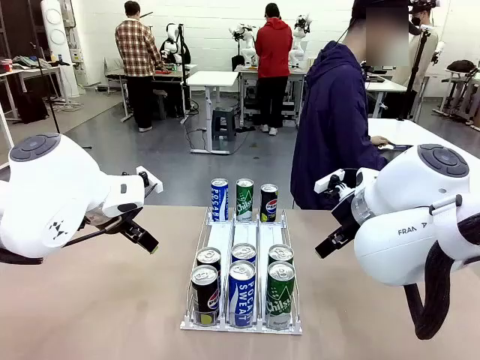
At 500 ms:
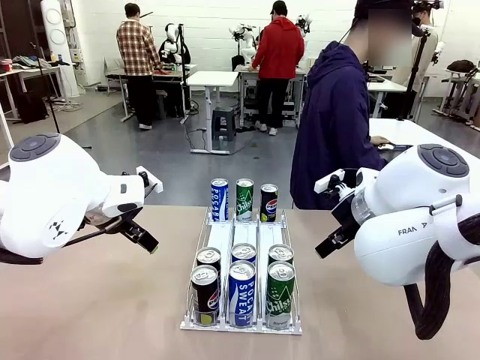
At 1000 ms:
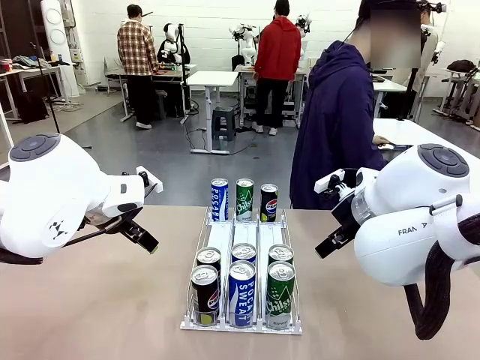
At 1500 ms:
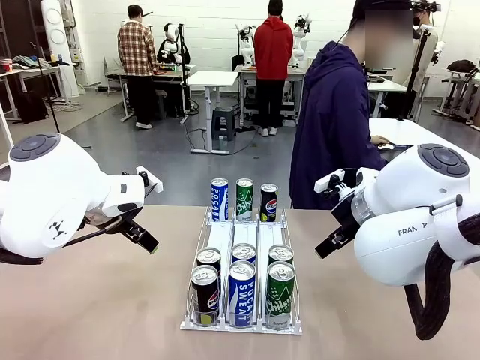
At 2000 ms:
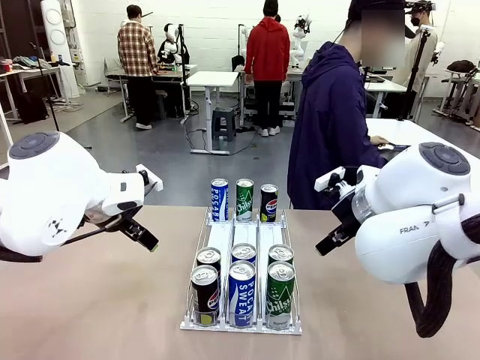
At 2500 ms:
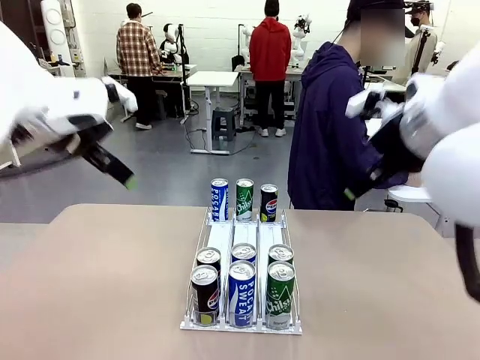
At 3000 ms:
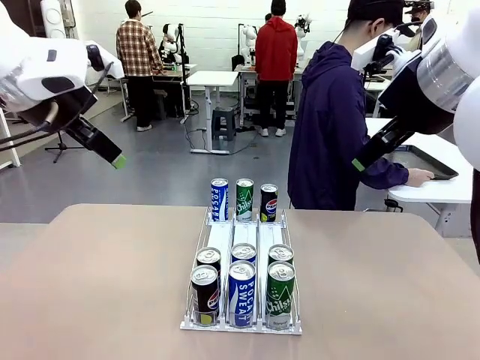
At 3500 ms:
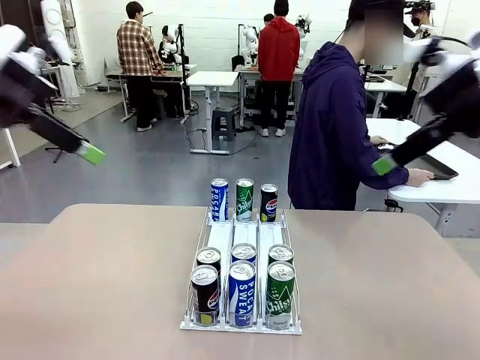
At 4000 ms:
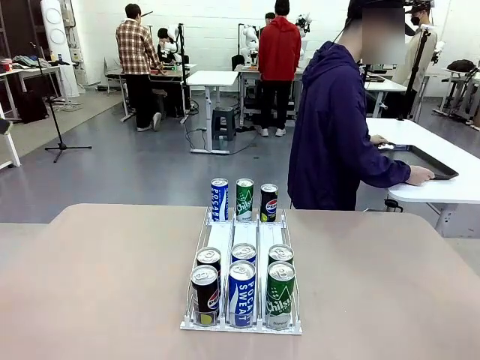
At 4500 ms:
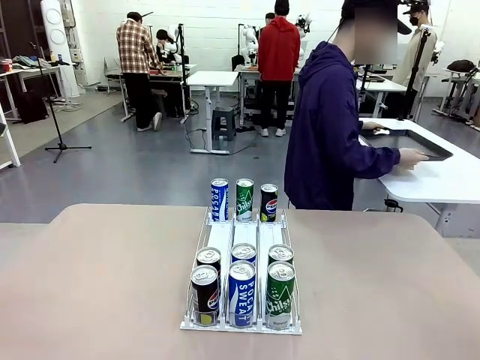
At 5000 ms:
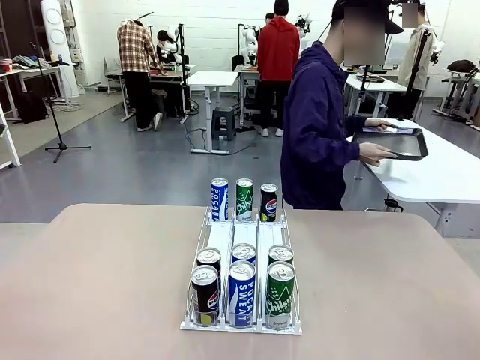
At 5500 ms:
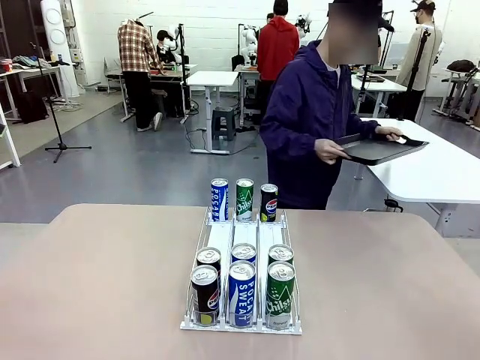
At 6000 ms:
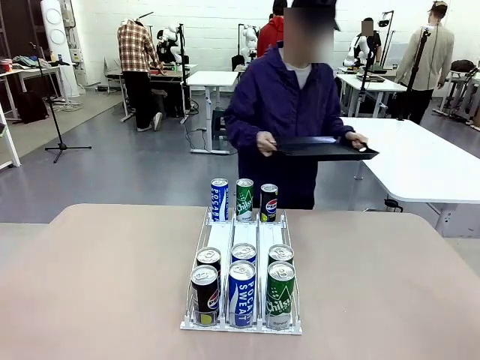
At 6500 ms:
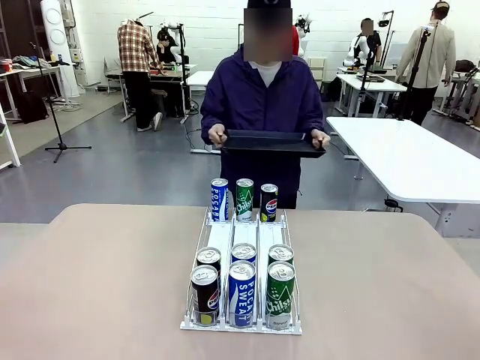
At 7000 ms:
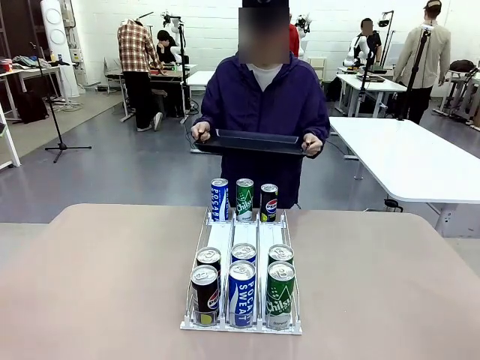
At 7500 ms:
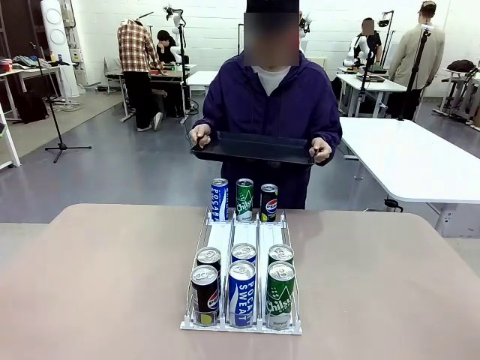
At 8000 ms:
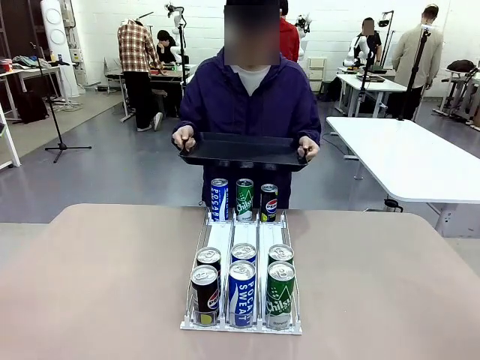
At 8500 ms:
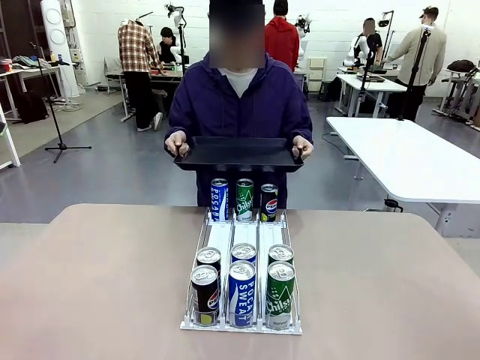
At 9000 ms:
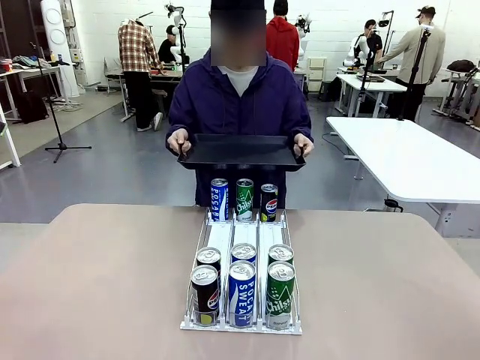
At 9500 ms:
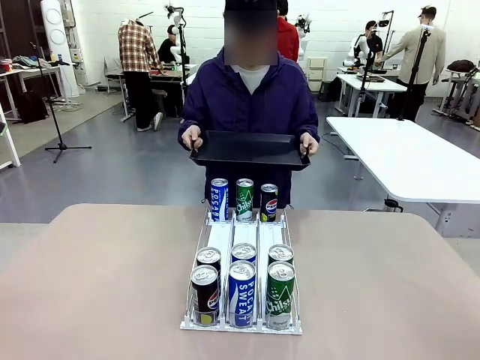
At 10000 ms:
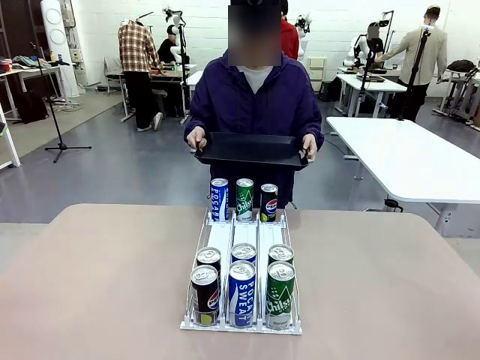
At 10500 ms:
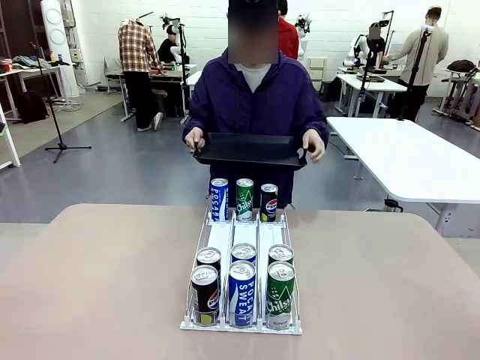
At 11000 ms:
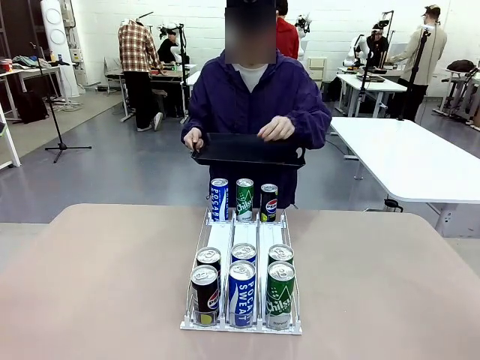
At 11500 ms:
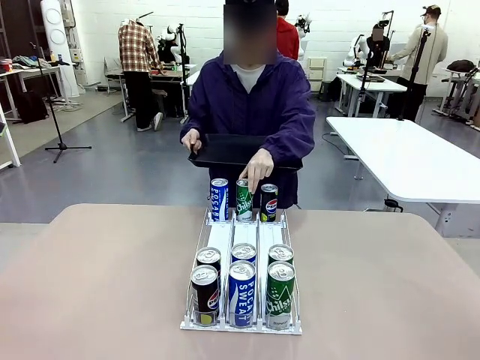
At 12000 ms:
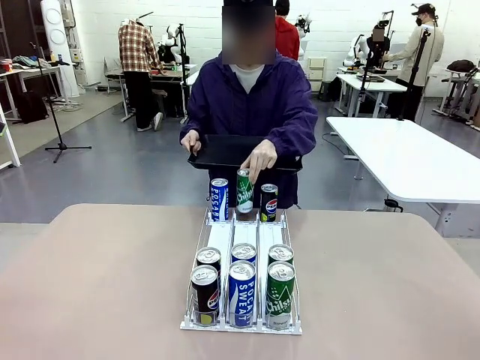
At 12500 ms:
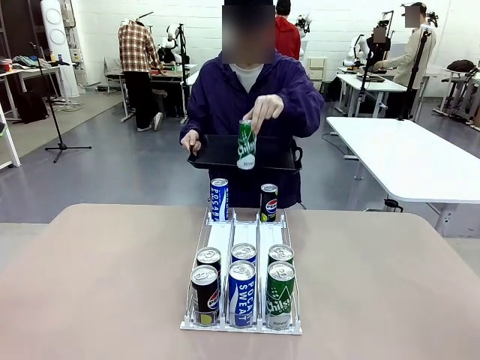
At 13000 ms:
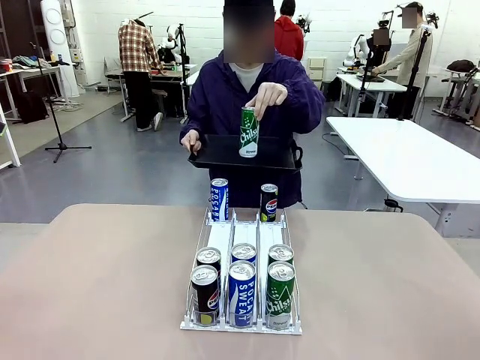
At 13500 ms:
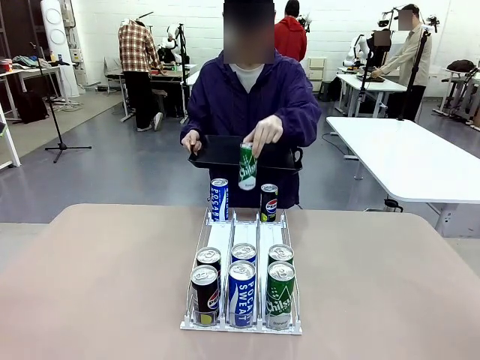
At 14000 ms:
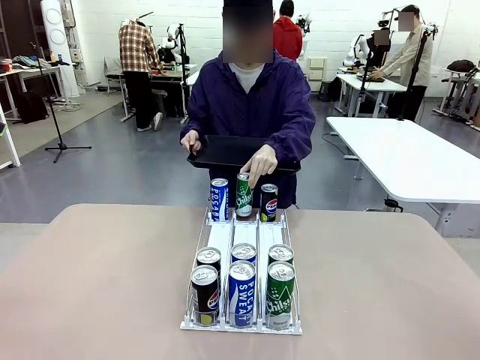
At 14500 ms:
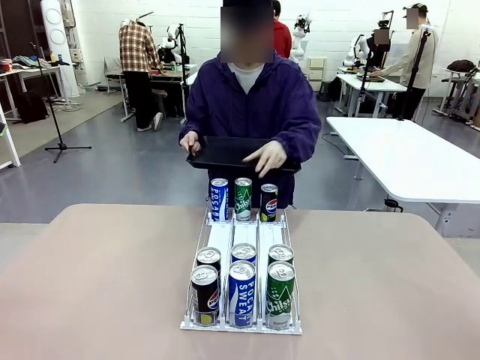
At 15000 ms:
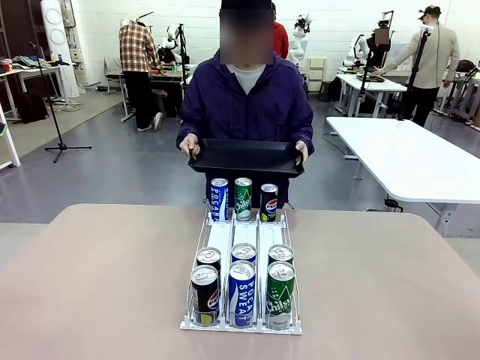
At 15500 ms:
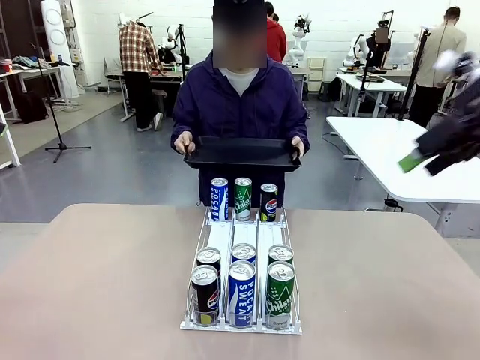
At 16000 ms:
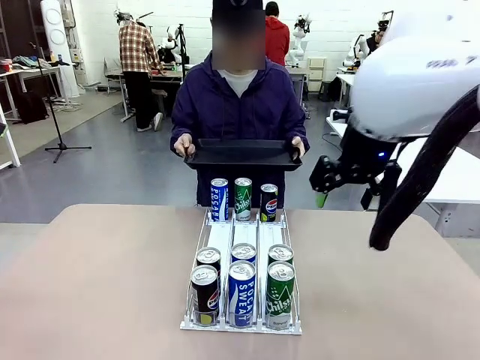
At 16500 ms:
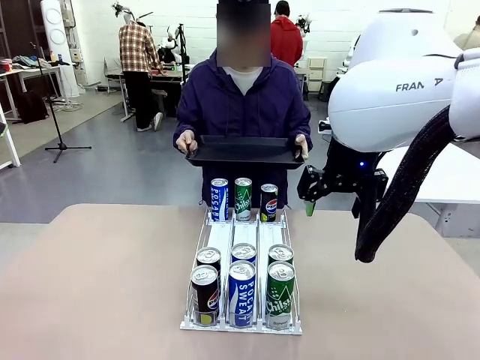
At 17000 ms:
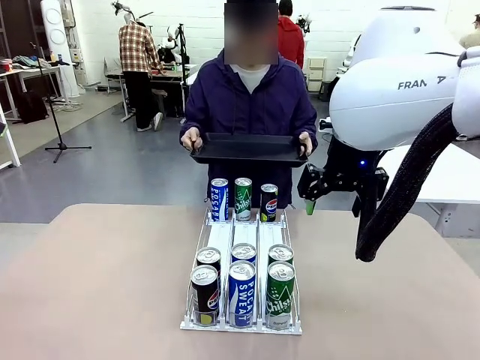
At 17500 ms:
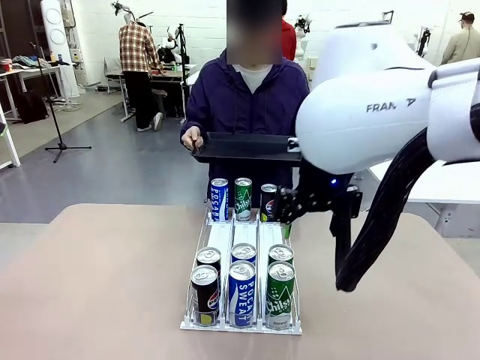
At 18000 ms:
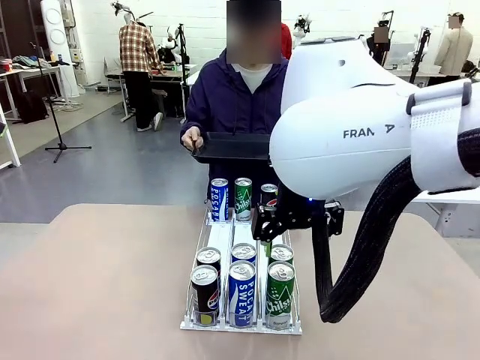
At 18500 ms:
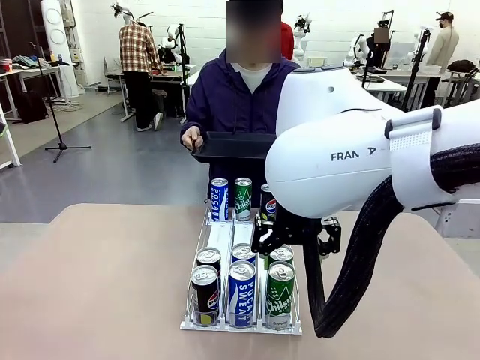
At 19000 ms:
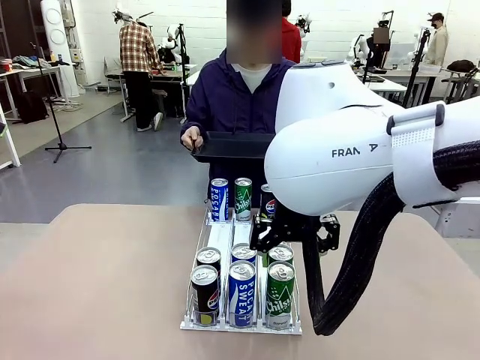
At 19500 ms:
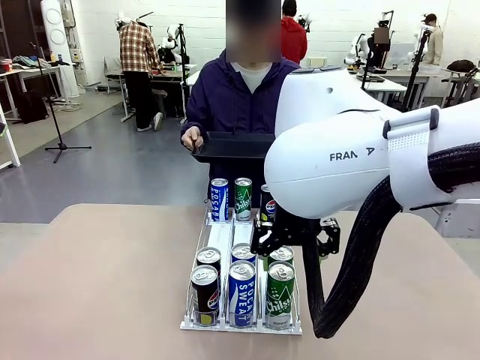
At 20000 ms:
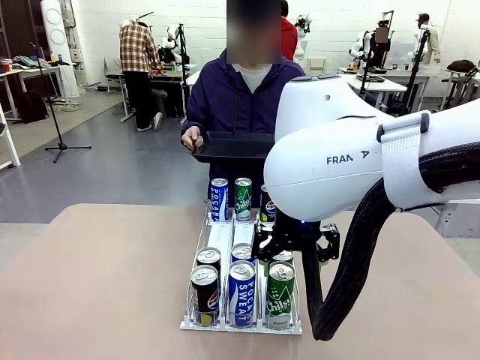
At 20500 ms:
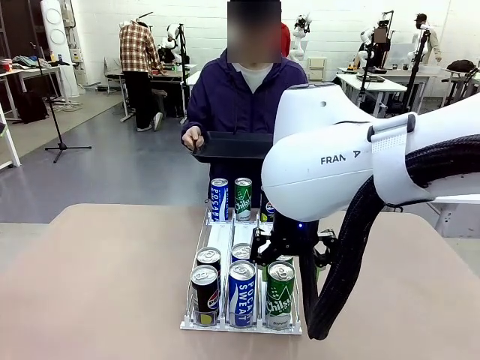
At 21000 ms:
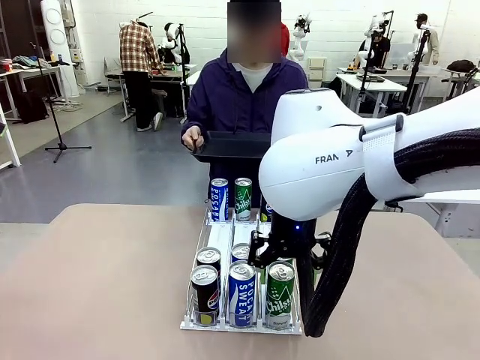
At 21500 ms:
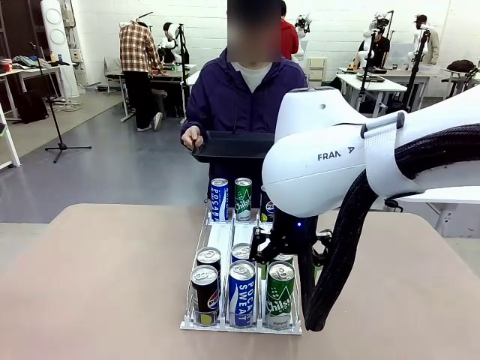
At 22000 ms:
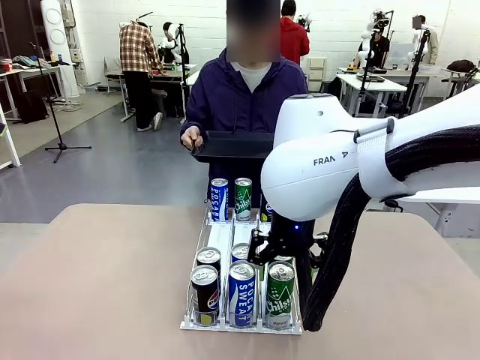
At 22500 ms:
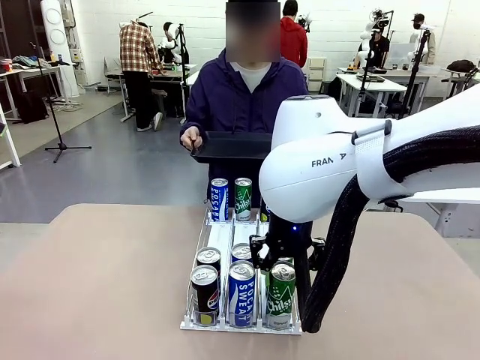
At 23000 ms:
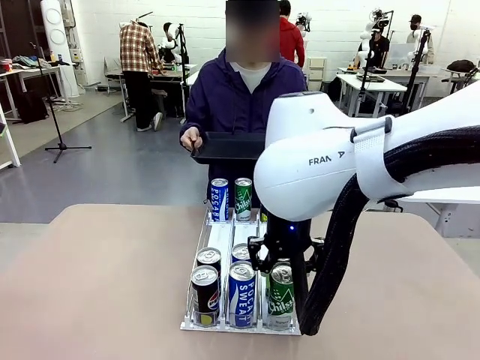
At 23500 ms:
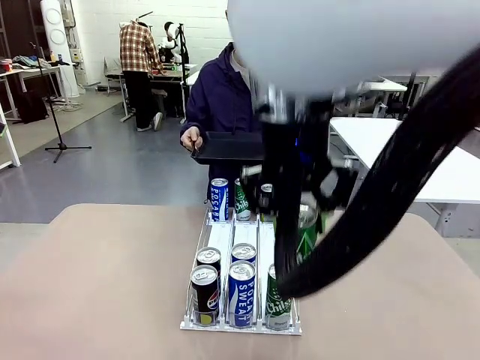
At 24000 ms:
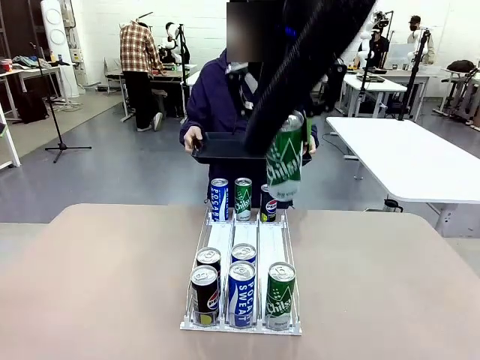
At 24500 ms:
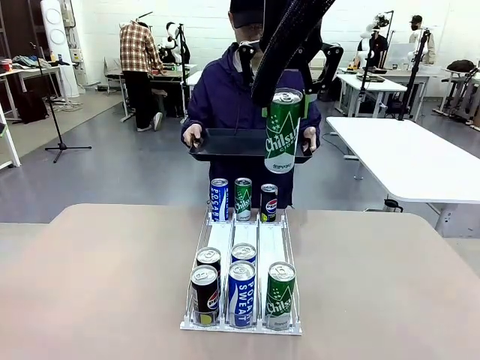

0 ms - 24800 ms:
Task: Retrieve and hand over the desired beverage to the person.
Robot: Pick up a can of the same type that the person held from the Automatic Can Dispenser.
Person: Hold the tray and position yourself in front of the robot table. Pick up one can from the bottom area of the table and puts it back in its original place. Push the tray toward the robot.
